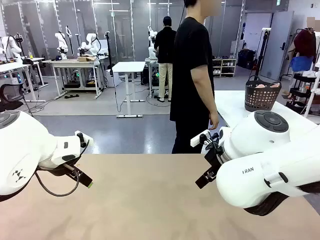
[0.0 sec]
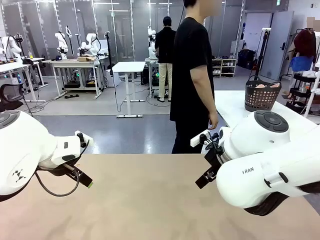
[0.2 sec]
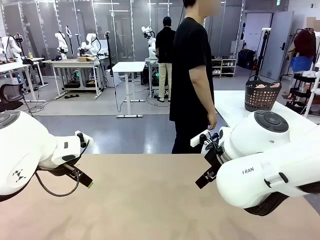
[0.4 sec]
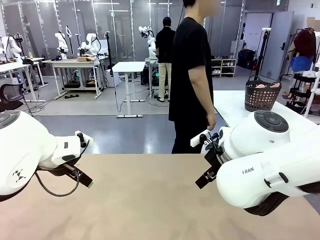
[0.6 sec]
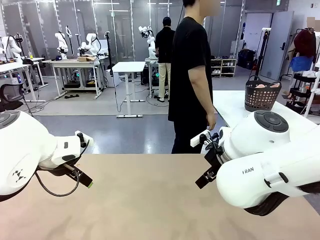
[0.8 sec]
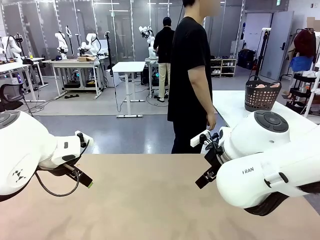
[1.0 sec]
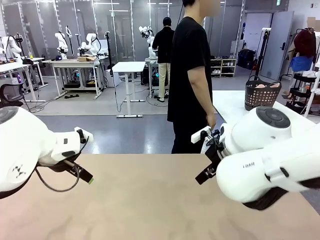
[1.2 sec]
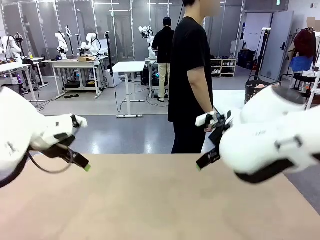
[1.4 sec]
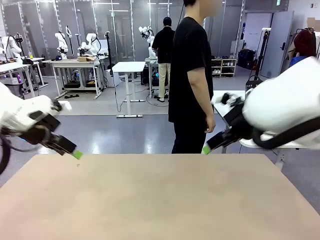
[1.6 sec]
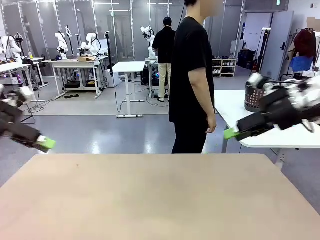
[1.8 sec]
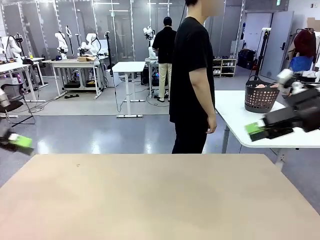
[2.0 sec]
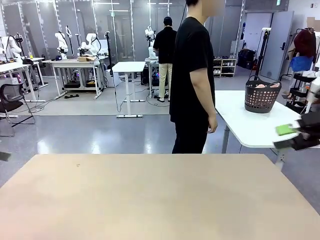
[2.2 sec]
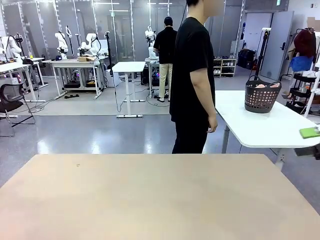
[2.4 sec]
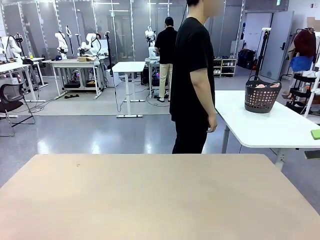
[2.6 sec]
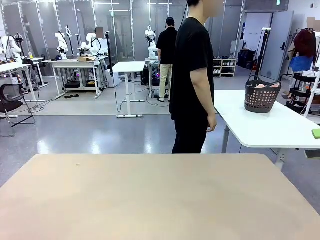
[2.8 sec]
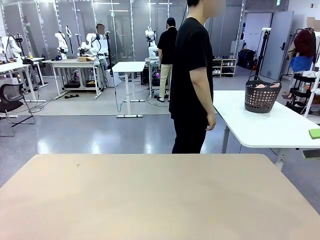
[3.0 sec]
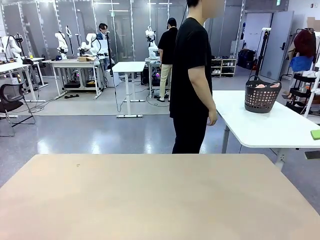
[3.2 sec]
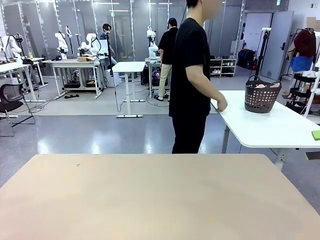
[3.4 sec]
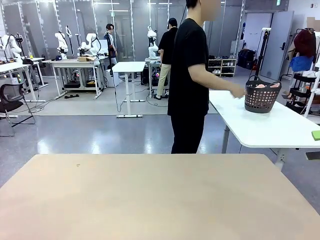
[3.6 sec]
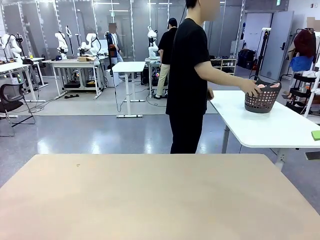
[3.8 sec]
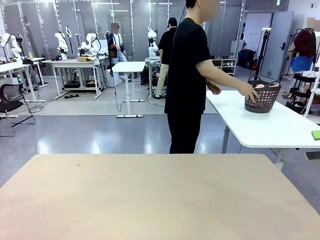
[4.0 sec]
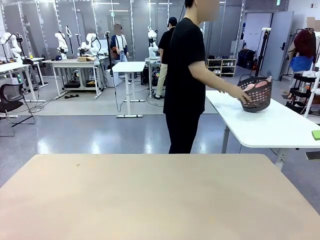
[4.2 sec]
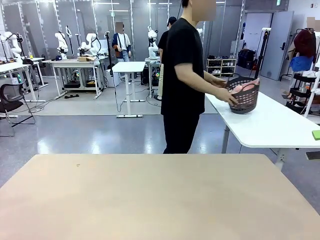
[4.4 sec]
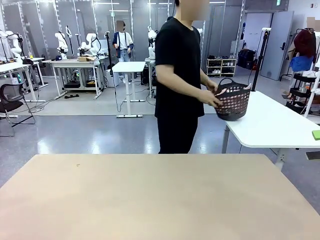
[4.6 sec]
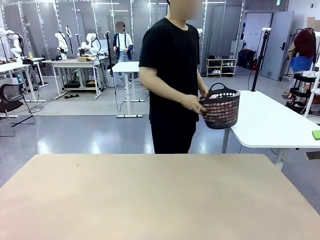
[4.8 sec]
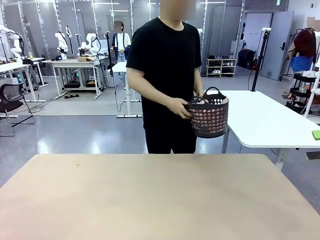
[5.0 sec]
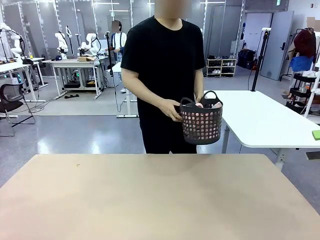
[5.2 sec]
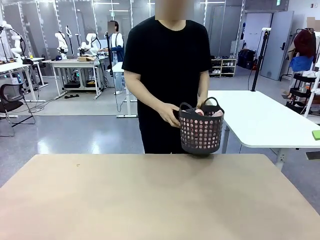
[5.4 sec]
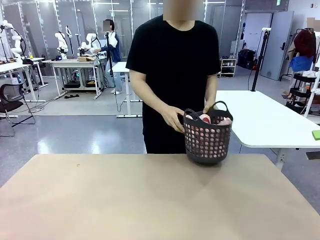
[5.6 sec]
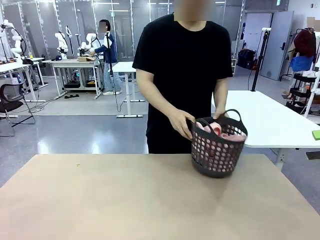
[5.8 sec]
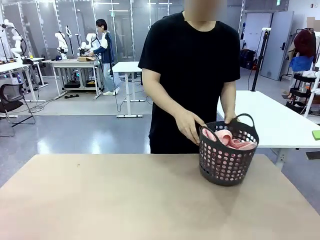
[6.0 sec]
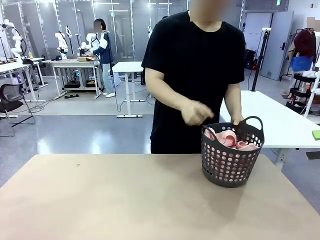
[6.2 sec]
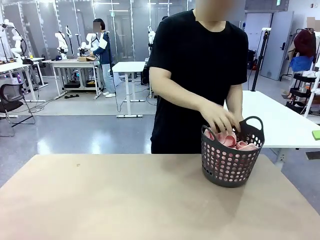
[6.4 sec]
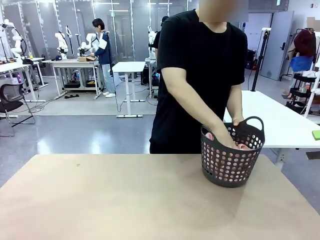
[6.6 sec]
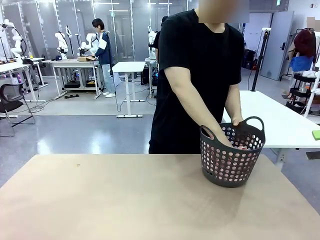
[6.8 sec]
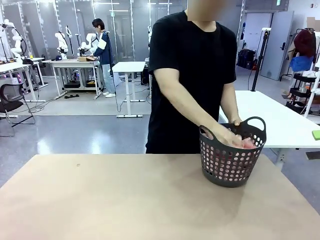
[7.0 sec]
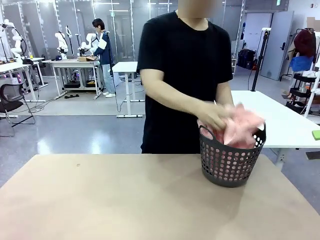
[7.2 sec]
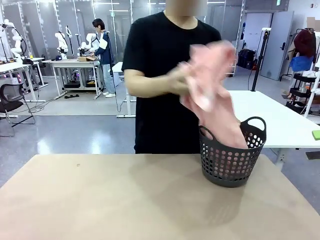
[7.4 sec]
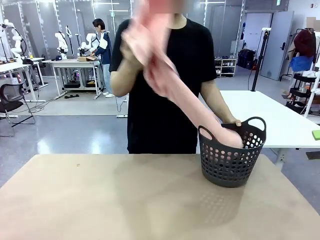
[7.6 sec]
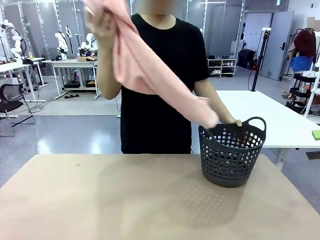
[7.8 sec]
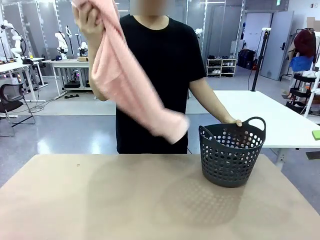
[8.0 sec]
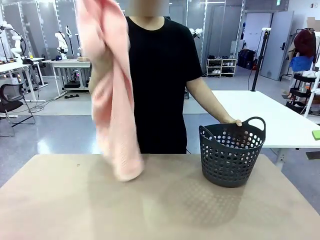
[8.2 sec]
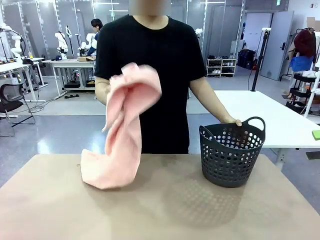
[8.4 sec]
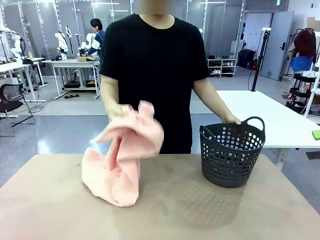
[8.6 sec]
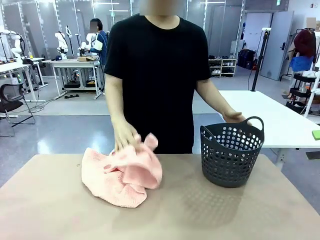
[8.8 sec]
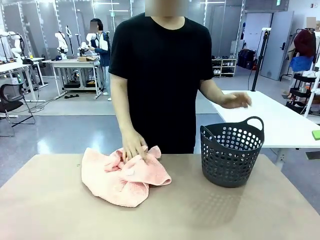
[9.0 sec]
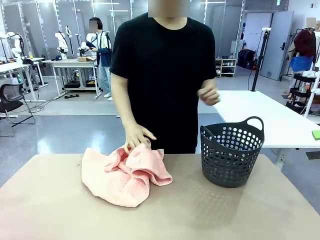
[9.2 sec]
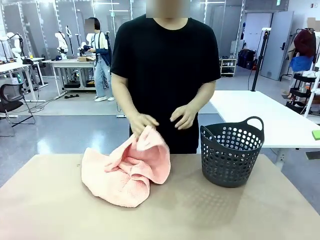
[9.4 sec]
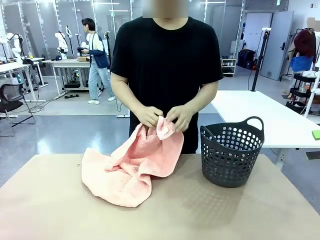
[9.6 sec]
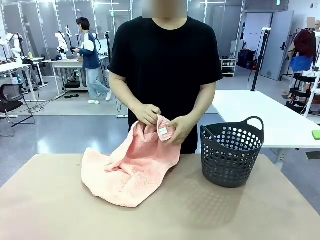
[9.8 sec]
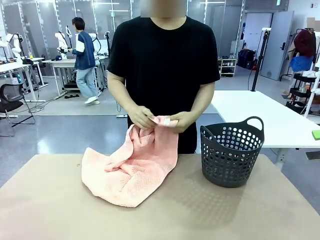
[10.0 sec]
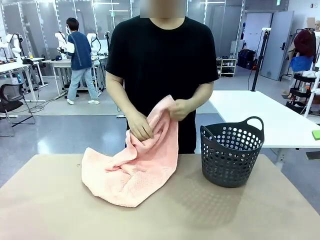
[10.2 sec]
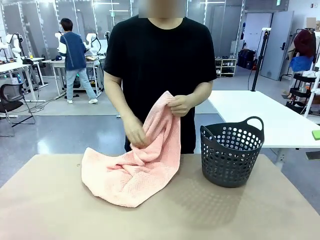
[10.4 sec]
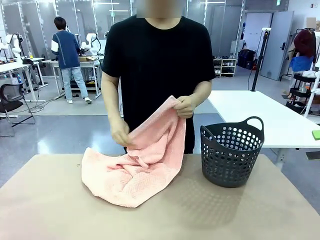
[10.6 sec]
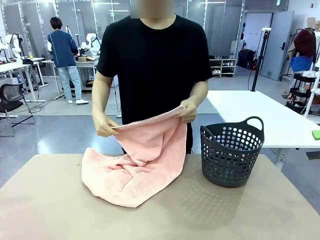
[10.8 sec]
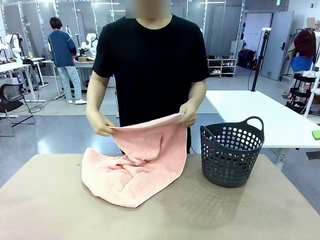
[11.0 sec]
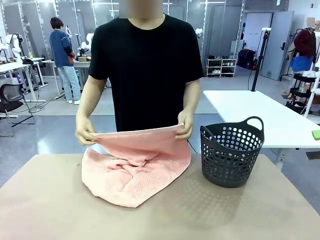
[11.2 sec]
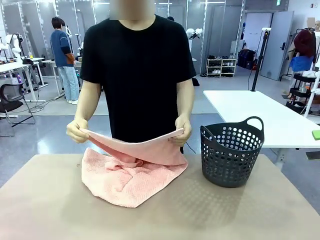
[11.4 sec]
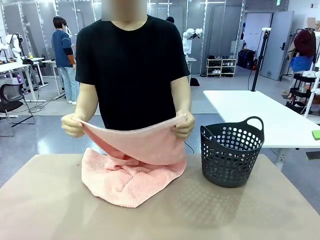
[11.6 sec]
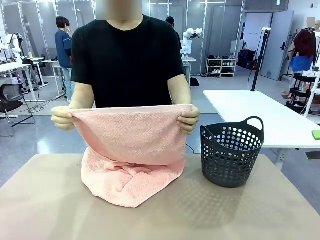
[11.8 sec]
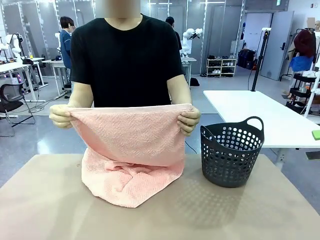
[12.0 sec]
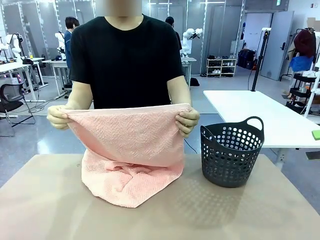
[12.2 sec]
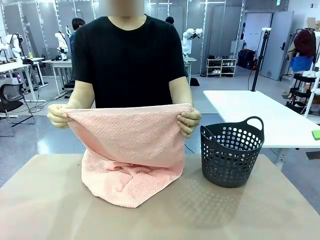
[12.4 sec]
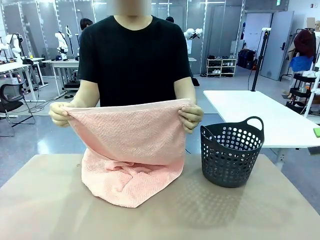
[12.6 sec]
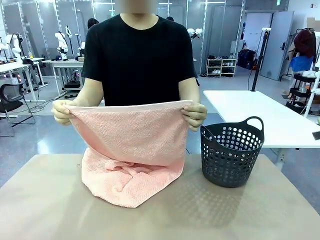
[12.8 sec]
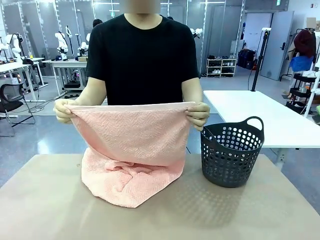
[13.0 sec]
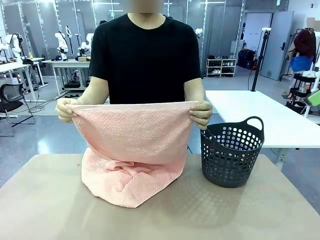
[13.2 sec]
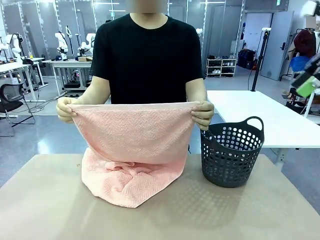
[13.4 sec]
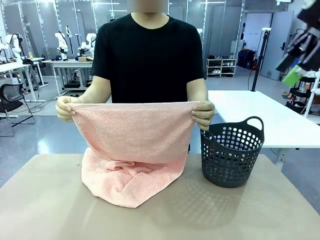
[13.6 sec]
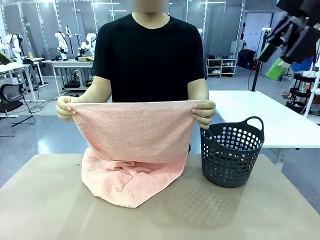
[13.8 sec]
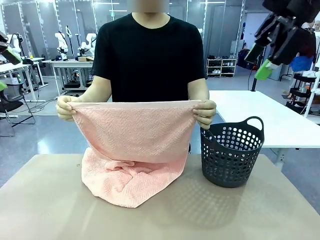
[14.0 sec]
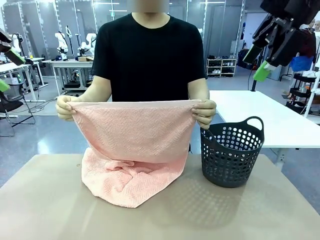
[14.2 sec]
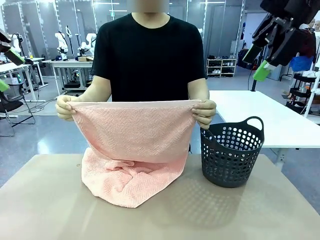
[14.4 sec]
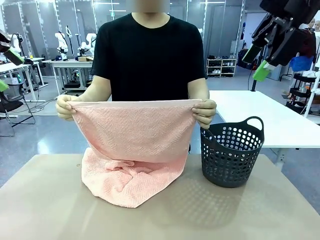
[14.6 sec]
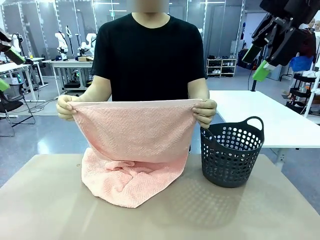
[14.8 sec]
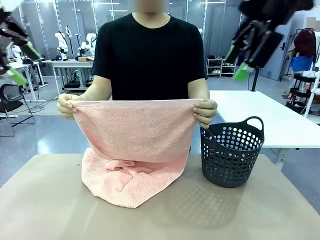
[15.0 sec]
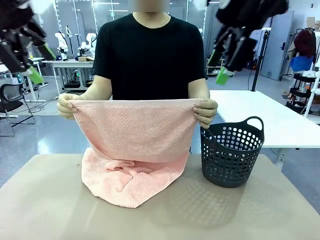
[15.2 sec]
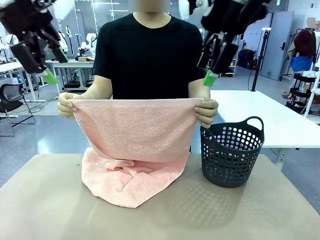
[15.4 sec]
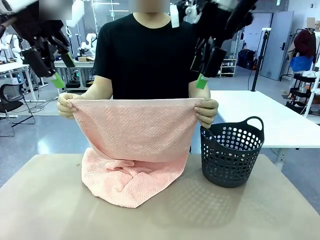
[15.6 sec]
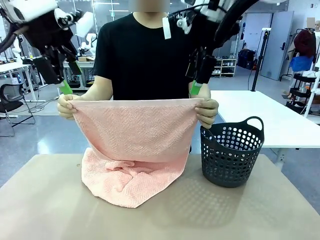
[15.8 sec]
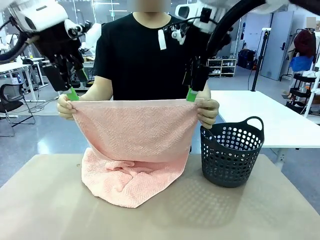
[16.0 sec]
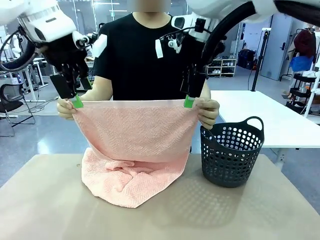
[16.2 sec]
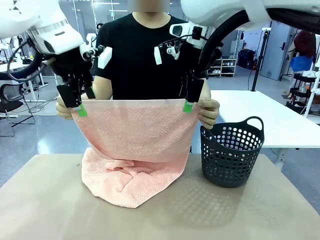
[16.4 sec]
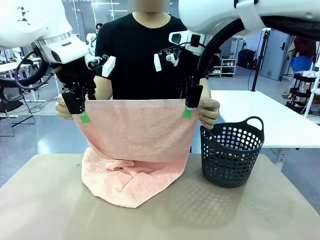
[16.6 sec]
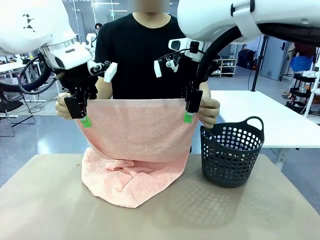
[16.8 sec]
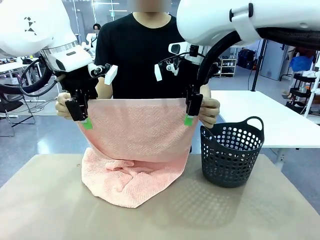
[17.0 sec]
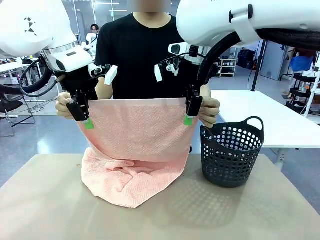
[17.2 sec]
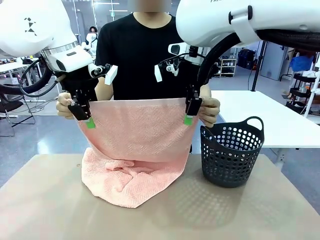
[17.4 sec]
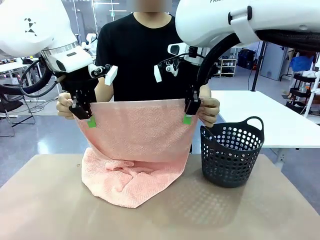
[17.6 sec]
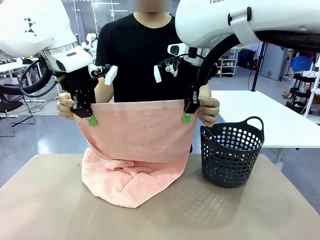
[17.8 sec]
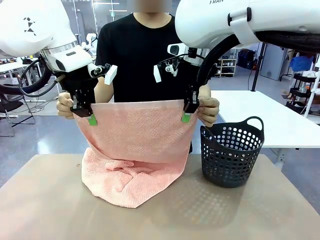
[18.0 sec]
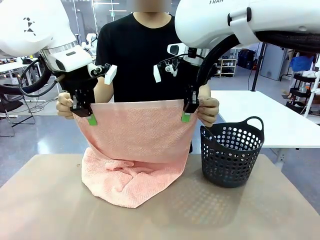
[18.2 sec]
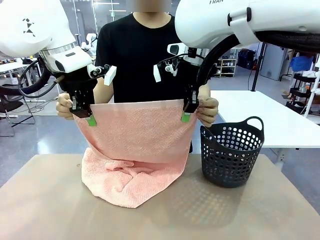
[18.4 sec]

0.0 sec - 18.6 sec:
Task: Fold the towel.
Robot: Grab the top end of the 100 cm Hotel Towel extended by the human.
Person: Pick up the laundry basket, place it on the left side of the robot table, then take out a towel and hand it to the robot while holding both corners of one end.
